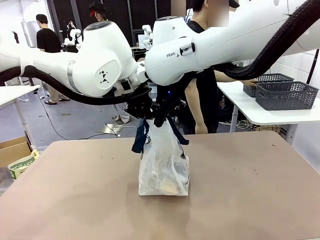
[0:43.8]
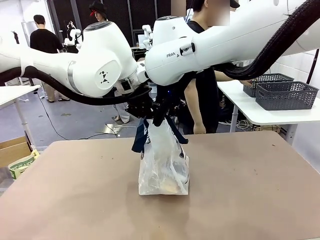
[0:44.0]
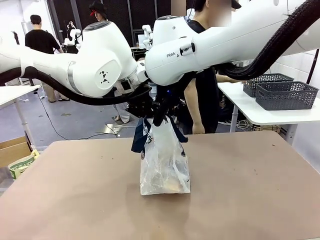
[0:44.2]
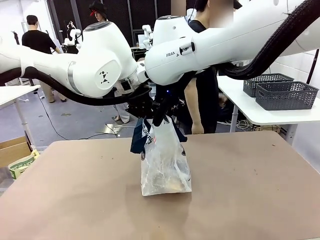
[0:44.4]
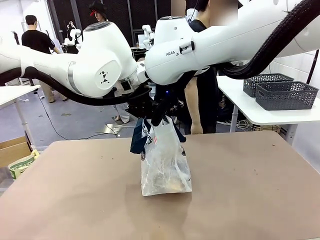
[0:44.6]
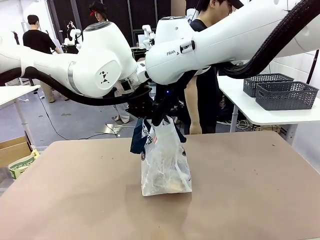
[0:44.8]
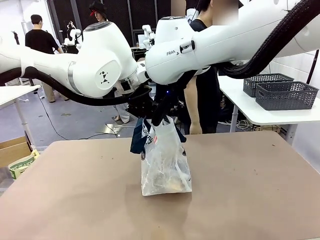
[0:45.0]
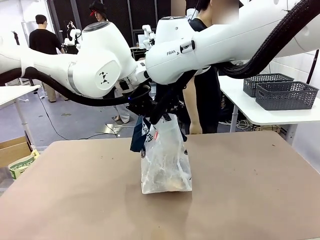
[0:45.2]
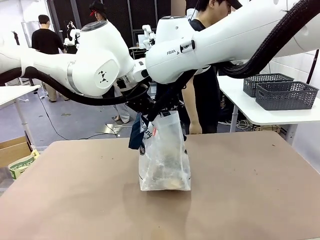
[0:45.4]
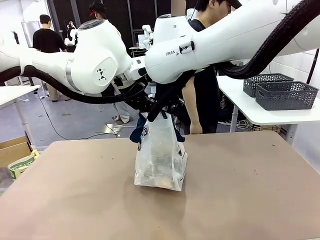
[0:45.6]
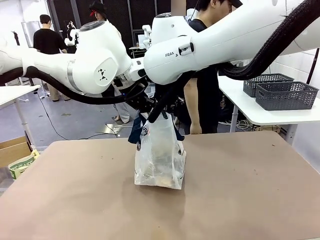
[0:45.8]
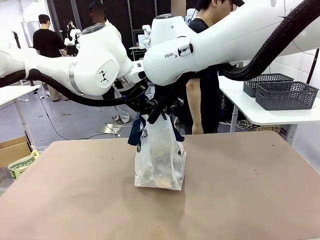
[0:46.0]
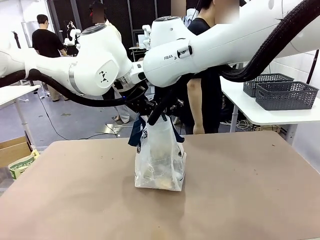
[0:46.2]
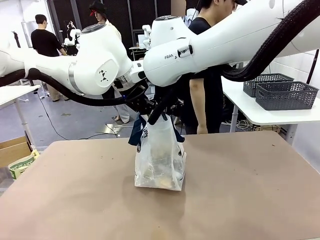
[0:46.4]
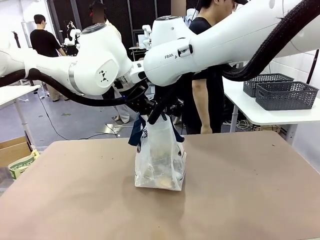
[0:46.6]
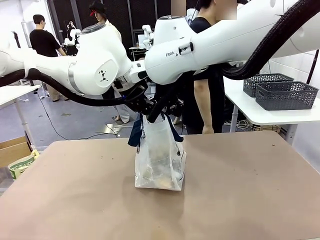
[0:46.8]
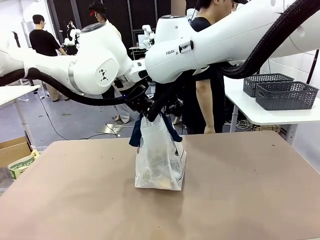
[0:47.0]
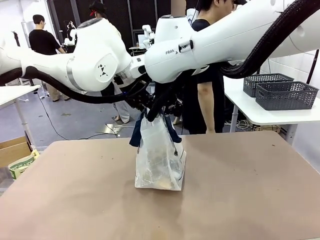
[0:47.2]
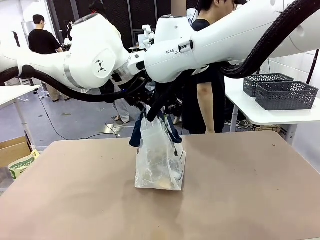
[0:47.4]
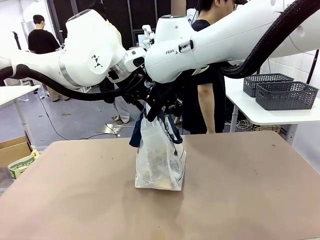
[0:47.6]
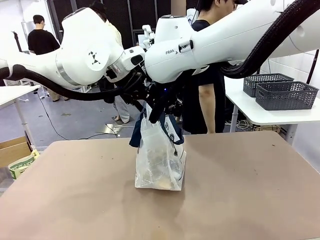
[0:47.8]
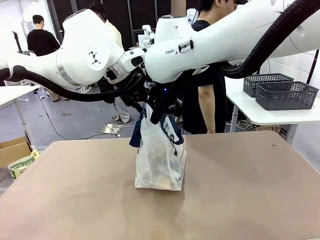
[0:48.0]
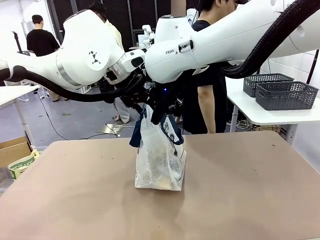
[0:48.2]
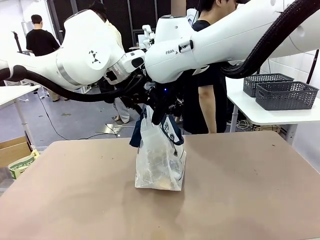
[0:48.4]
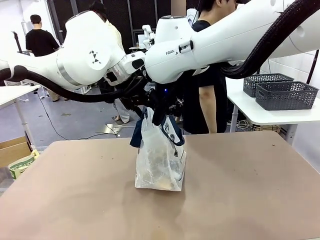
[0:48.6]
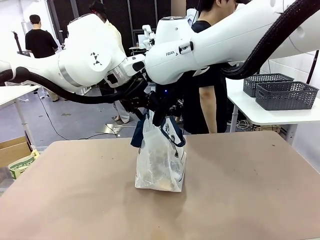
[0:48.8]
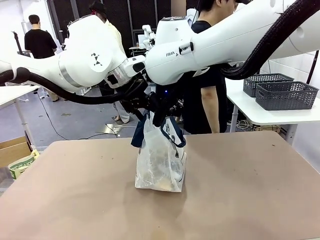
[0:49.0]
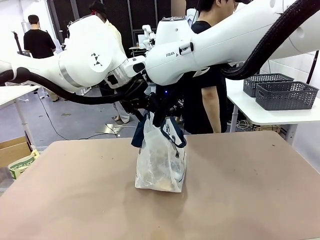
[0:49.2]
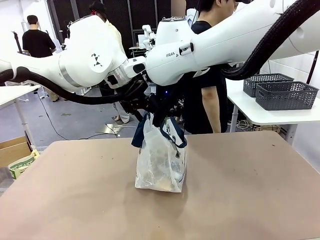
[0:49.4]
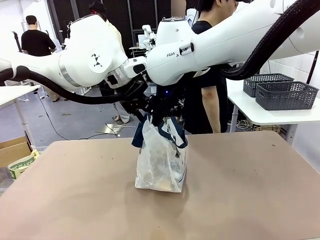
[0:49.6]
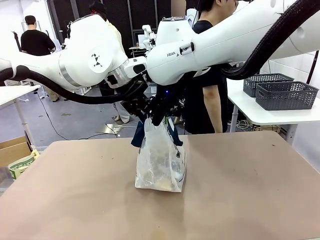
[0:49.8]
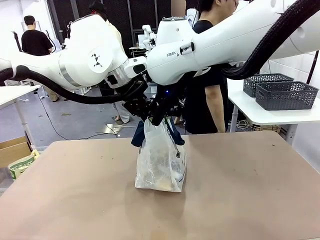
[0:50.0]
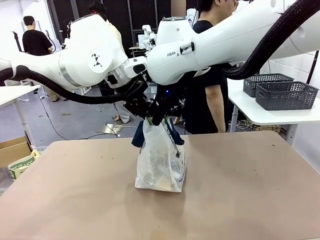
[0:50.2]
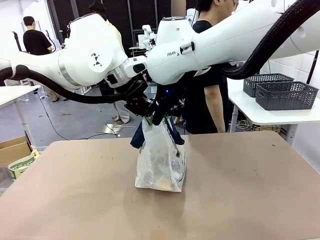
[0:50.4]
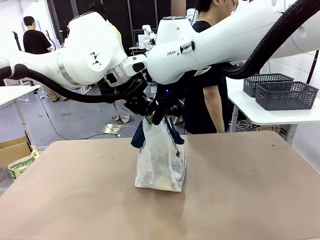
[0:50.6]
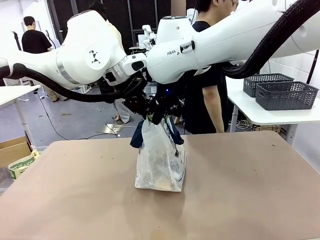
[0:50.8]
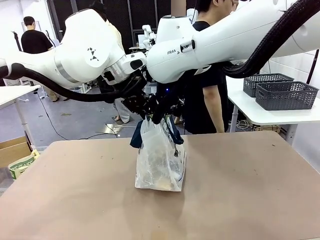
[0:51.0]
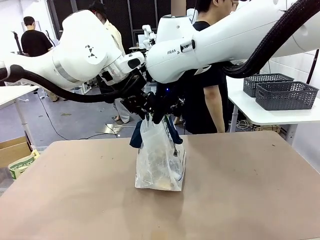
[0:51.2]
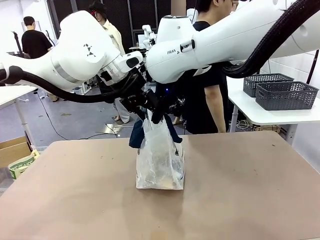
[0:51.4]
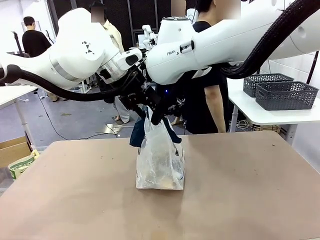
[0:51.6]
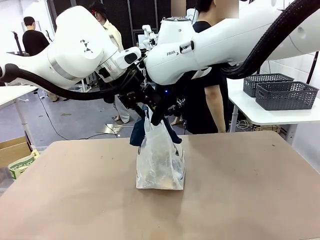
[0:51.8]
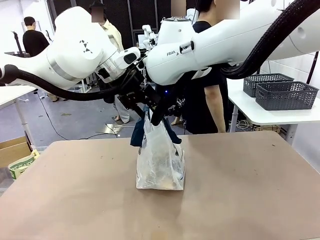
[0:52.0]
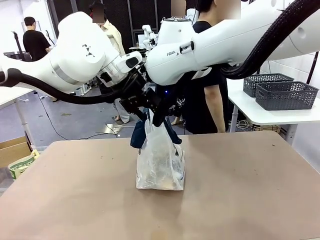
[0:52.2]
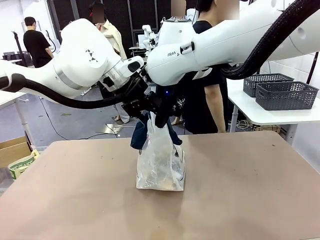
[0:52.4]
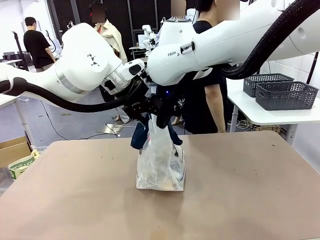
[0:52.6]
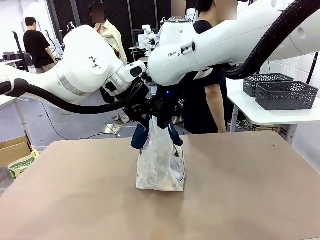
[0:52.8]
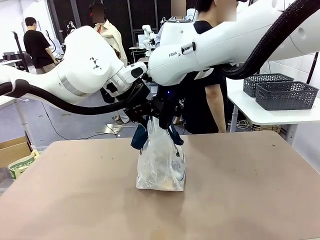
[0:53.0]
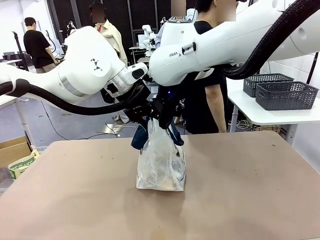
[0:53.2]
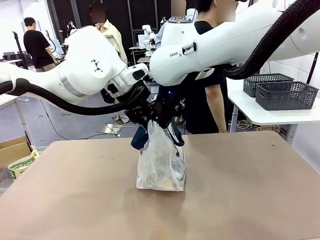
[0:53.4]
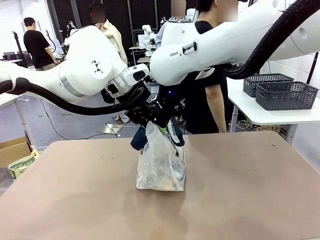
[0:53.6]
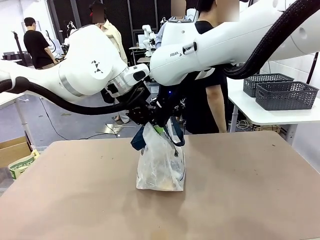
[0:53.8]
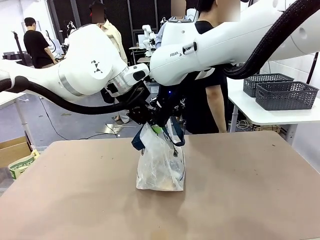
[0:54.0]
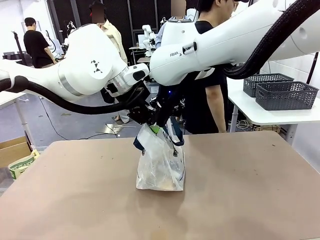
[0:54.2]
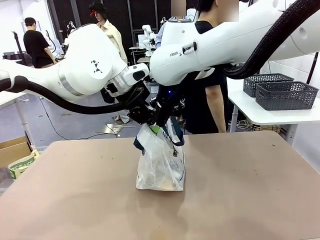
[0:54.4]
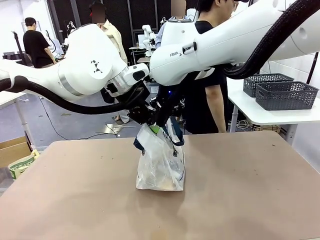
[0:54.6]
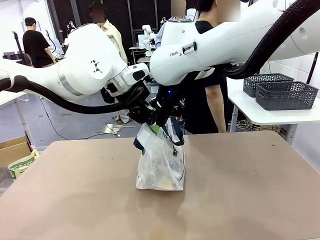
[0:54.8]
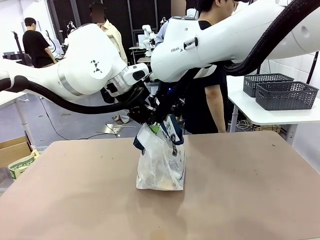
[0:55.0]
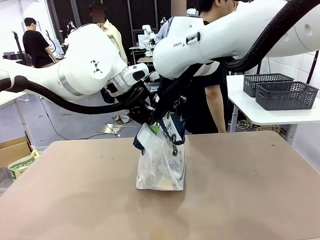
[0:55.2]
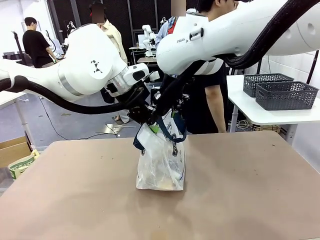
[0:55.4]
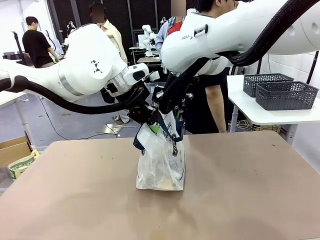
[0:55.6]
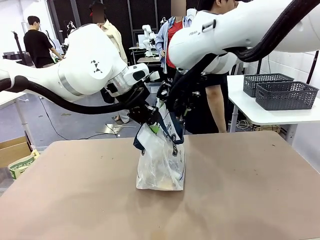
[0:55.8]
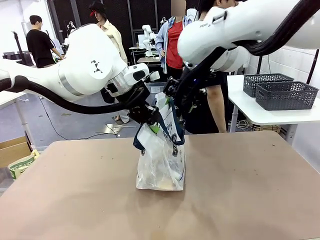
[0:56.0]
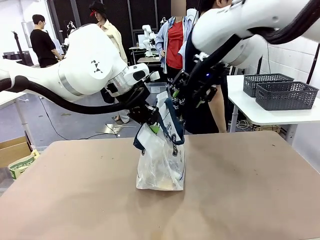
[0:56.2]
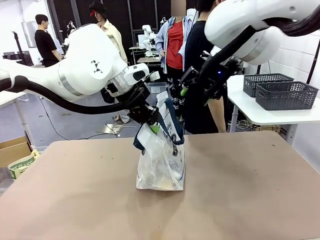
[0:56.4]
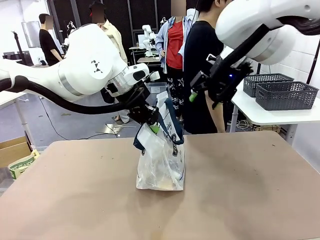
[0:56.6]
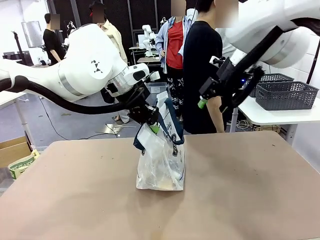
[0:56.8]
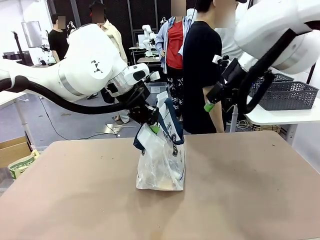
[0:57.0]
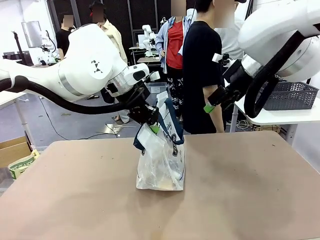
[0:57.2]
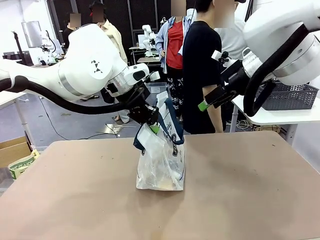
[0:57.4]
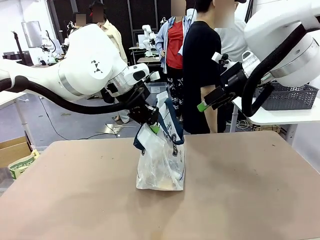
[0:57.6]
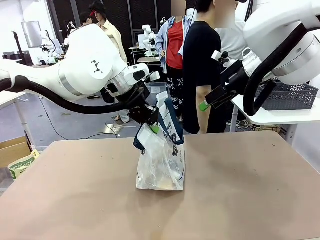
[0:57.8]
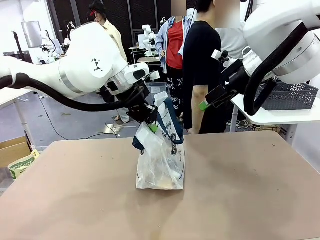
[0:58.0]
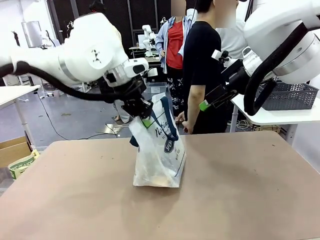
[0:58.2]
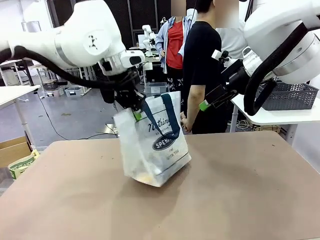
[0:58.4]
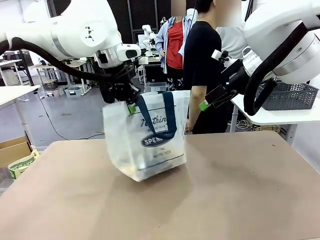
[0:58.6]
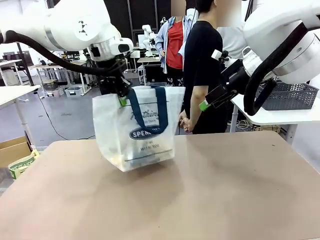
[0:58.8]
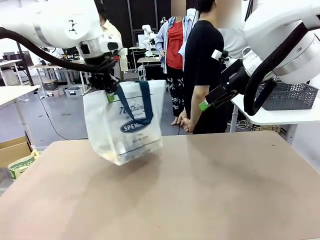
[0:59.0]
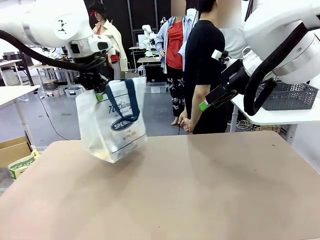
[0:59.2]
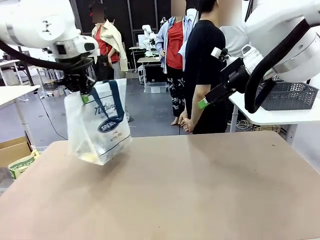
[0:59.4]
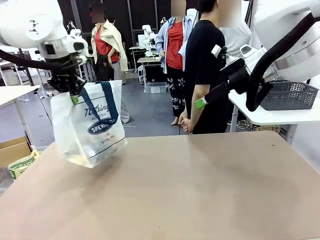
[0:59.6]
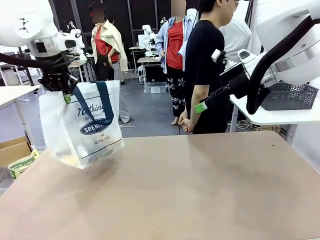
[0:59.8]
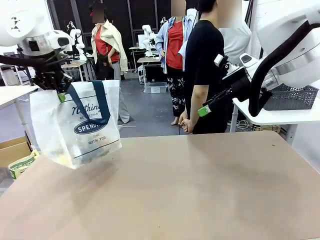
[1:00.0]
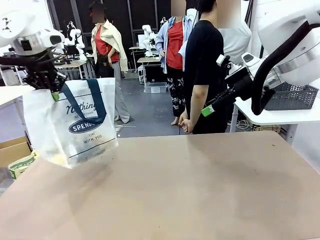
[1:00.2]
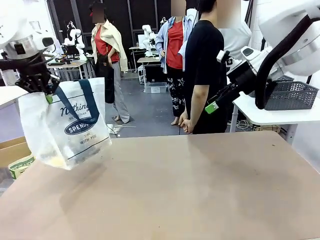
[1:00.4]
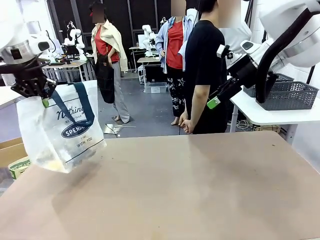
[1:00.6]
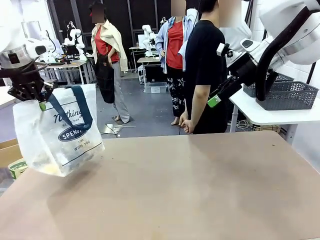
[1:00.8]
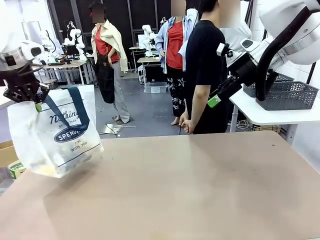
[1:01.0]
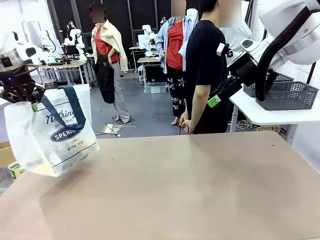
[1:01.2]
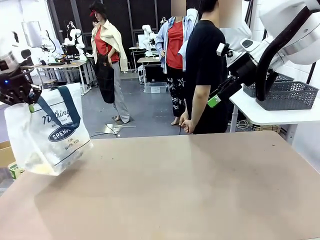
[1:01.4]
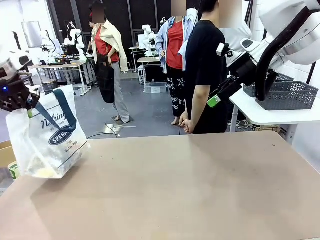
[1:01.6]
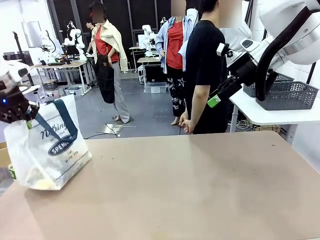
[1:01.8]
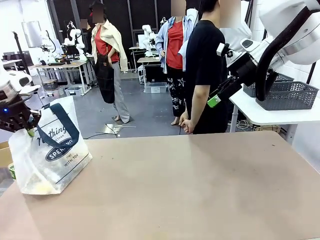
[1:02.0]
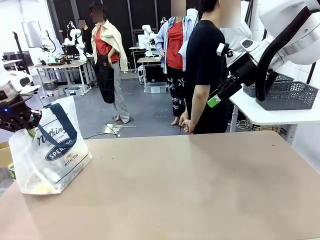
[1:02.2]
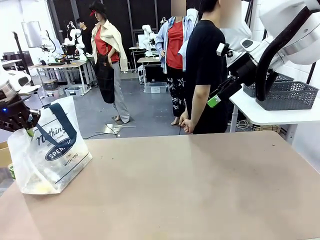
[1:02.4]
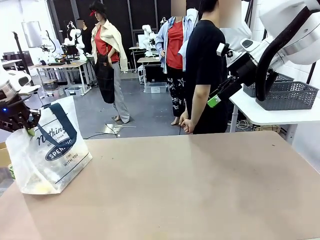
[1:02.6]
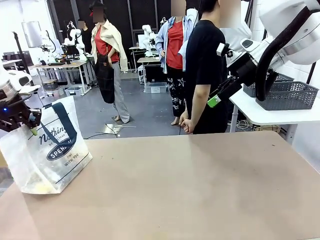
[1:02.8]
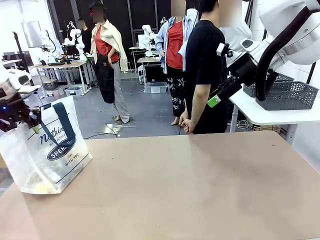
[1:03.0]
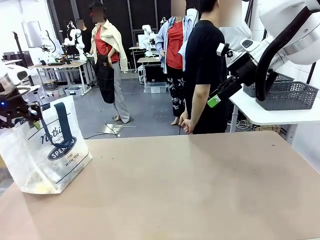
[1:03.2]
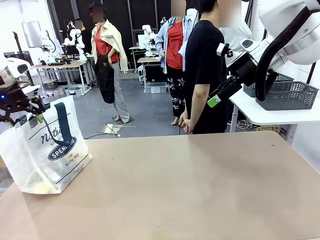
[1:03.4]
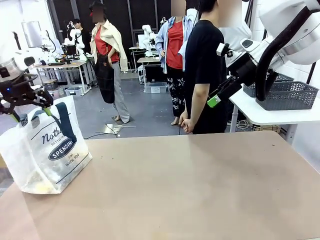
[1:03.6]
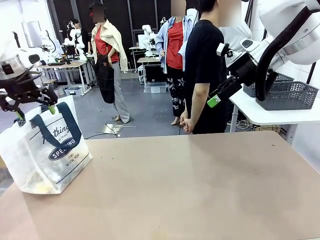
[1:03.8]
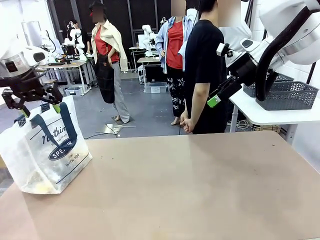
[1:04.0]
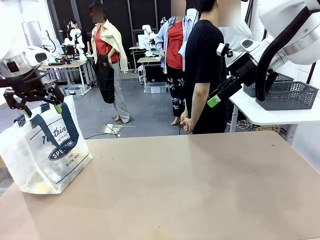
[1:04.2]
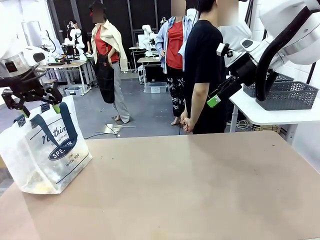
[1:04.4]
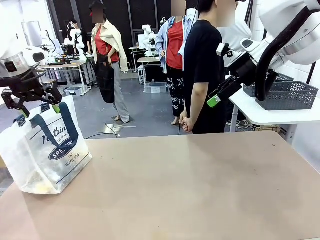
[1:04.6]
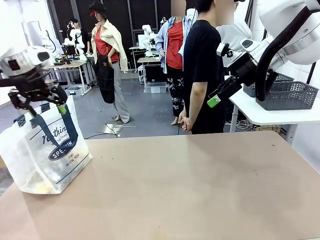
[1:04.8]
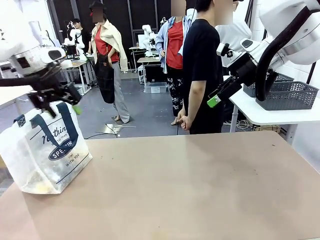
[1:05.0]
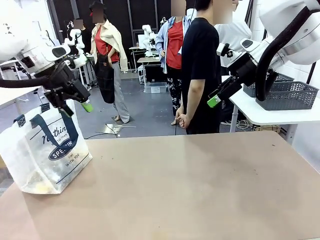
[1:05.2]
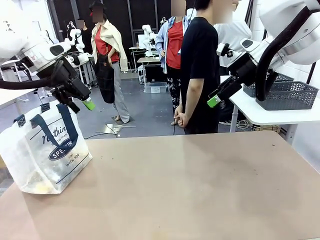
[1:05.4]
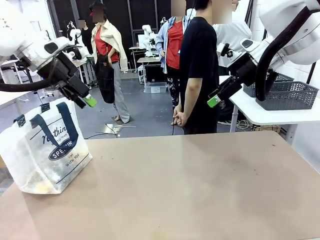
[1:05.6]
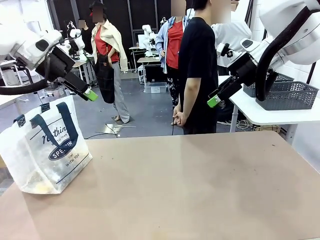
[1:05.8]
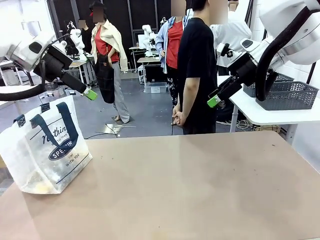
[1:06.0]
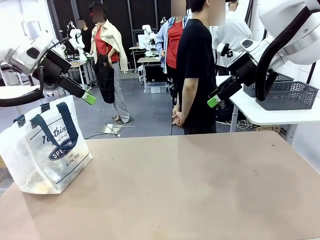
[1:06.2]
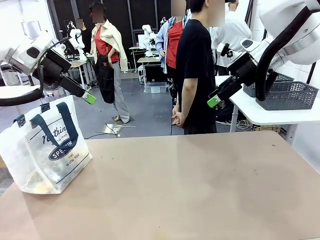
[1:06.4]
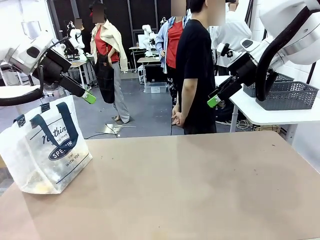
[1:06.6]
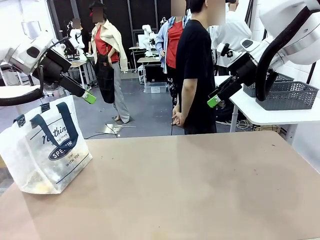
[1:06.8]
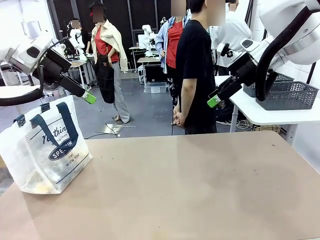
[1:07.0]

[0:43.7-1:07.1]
Task: Transfer purchased items from the store into the shopping bag.
Robot: Move the Reusable shopping bag to the right side of the table.
Person: Move the basket on the left to the middle of the person's table.
